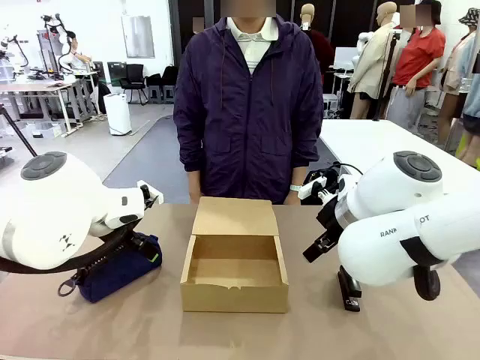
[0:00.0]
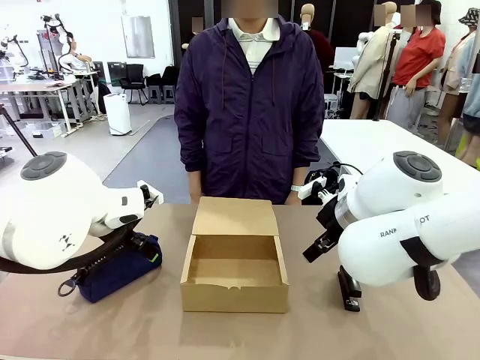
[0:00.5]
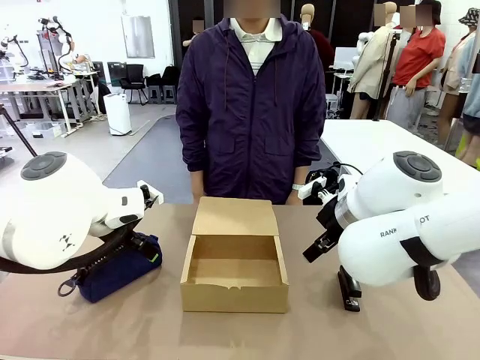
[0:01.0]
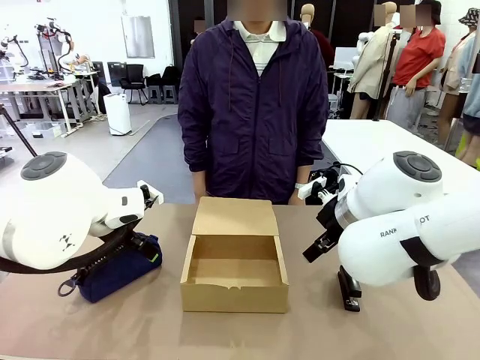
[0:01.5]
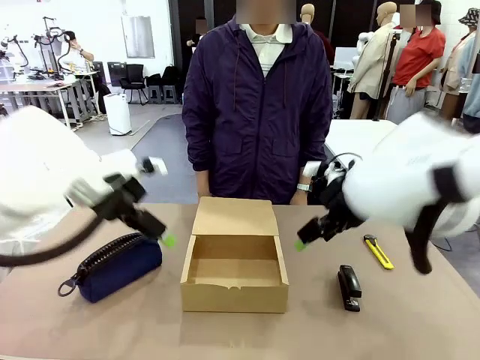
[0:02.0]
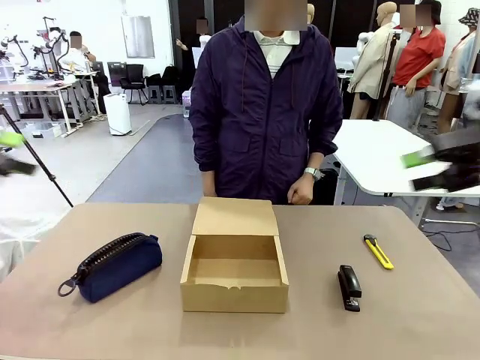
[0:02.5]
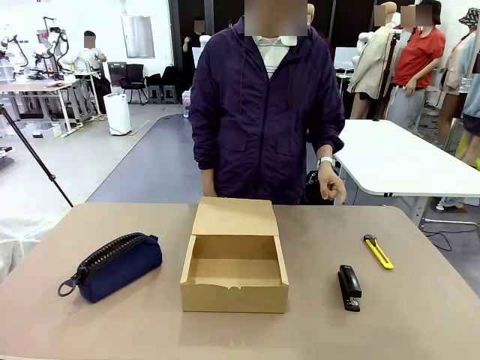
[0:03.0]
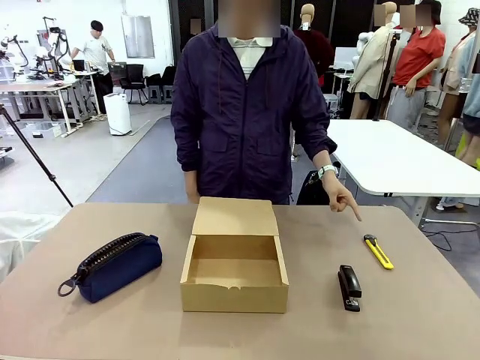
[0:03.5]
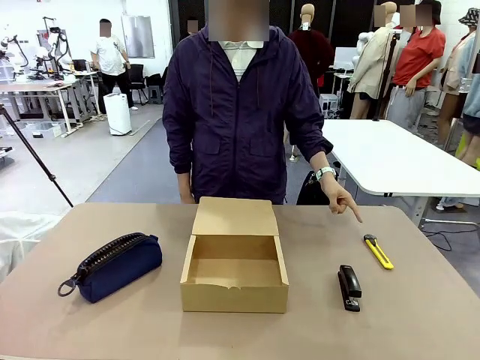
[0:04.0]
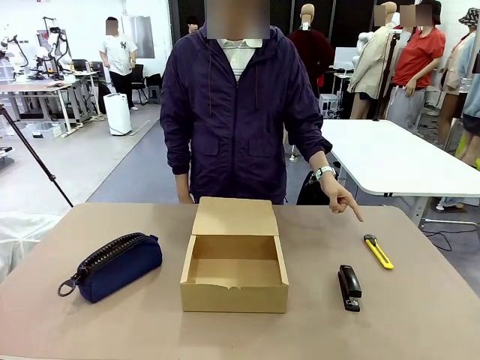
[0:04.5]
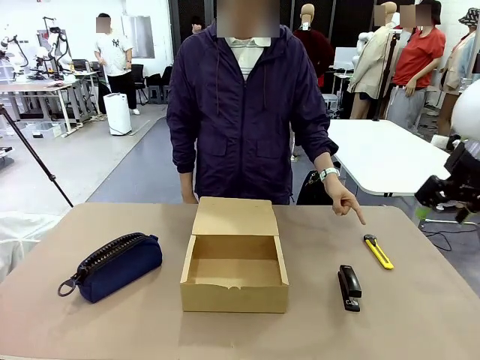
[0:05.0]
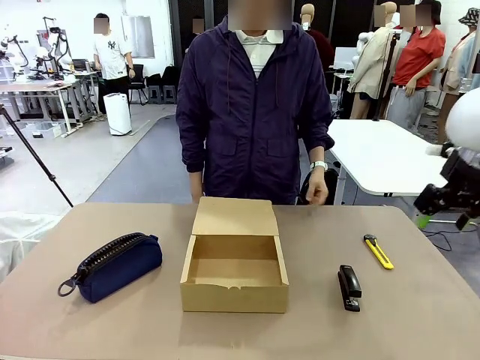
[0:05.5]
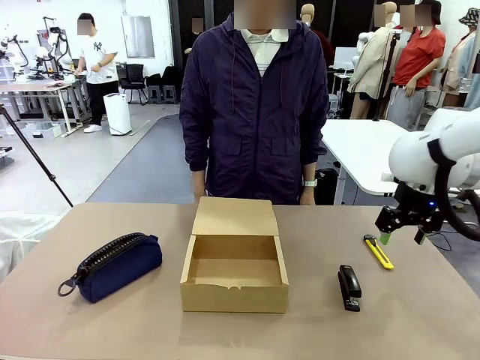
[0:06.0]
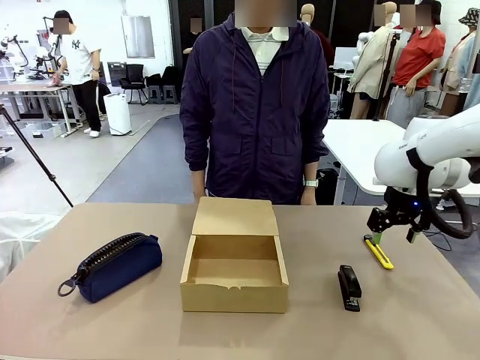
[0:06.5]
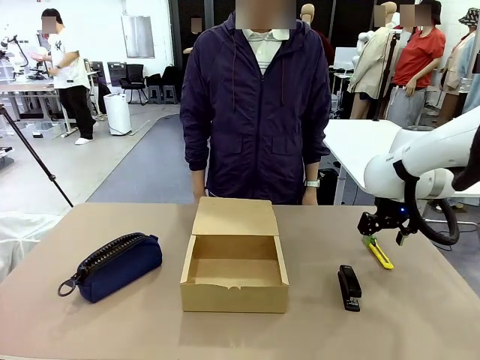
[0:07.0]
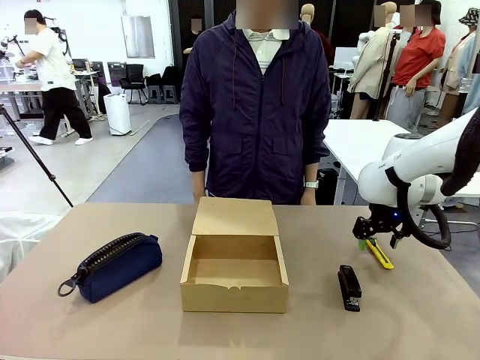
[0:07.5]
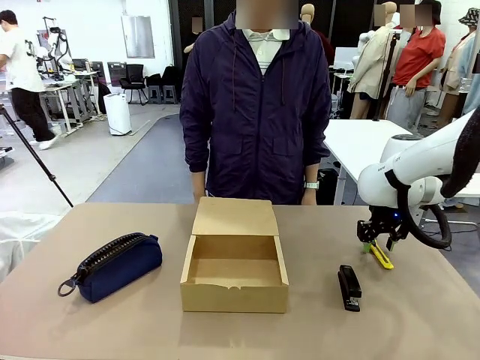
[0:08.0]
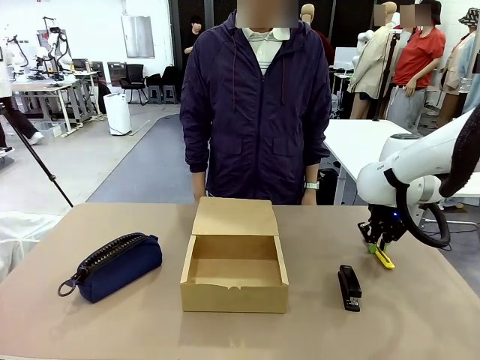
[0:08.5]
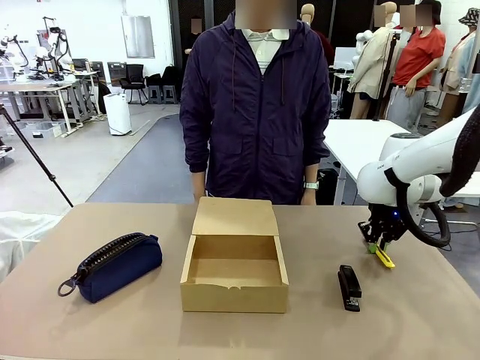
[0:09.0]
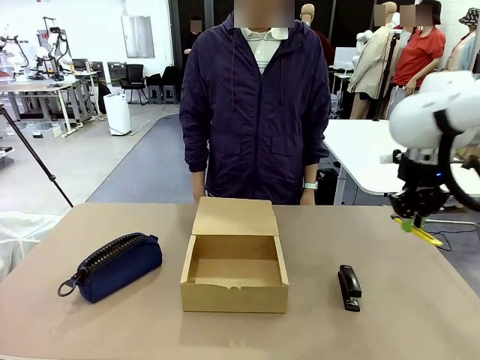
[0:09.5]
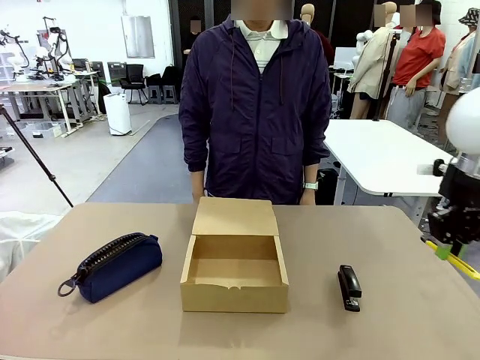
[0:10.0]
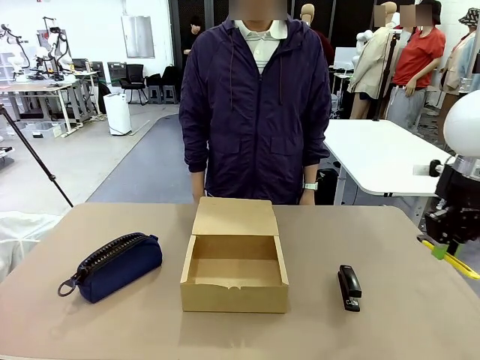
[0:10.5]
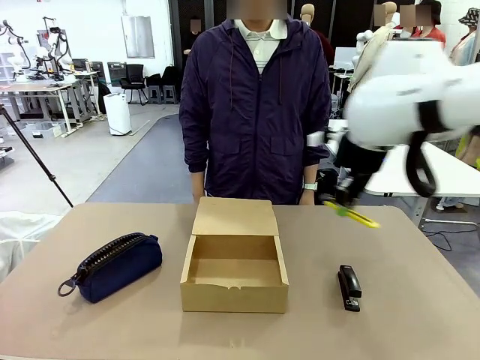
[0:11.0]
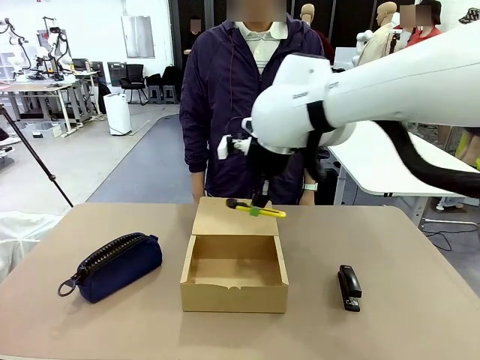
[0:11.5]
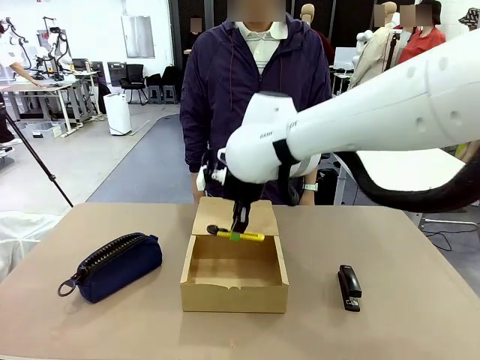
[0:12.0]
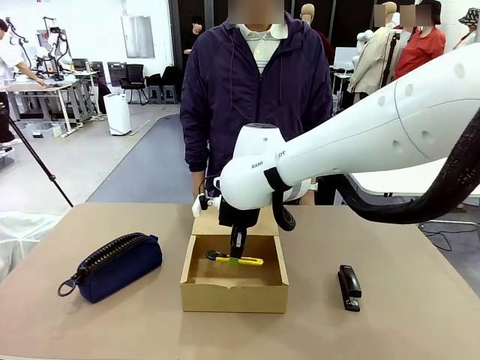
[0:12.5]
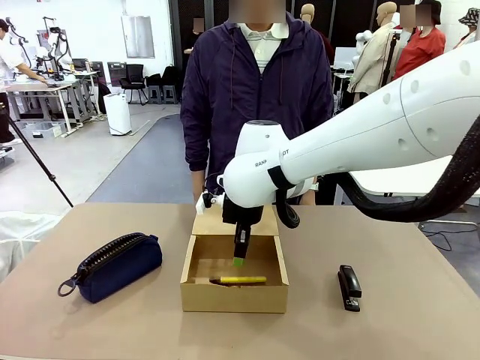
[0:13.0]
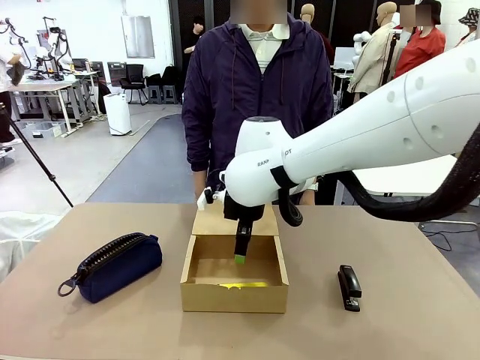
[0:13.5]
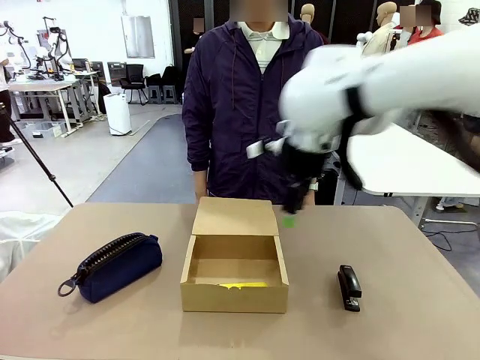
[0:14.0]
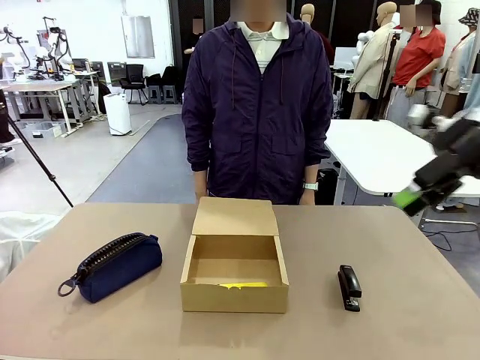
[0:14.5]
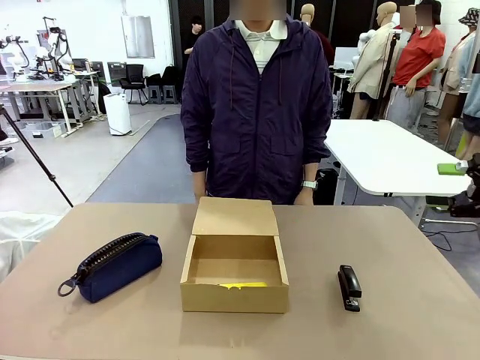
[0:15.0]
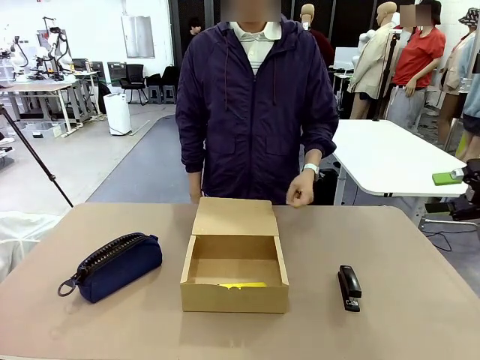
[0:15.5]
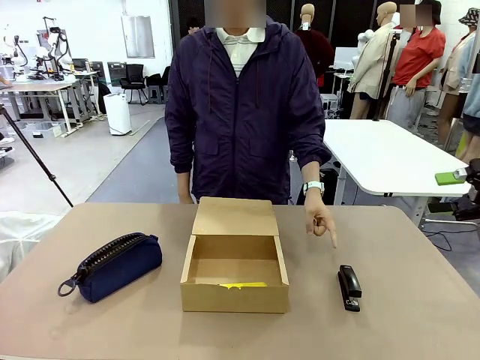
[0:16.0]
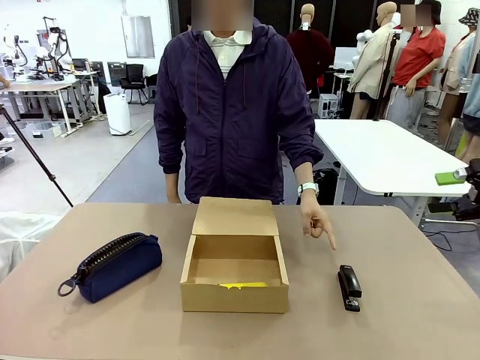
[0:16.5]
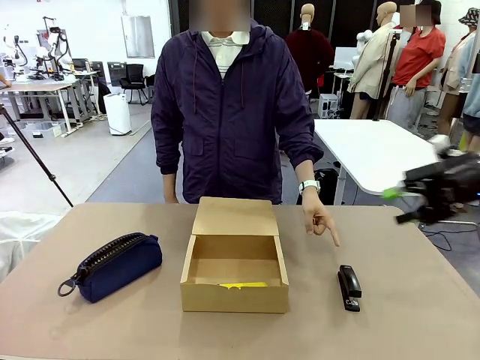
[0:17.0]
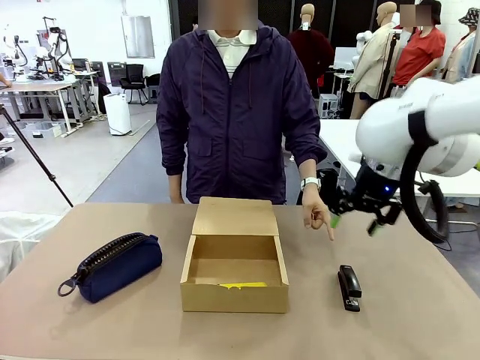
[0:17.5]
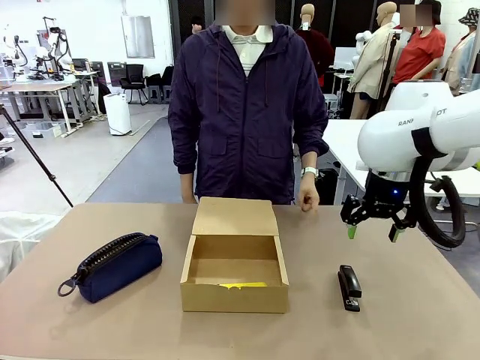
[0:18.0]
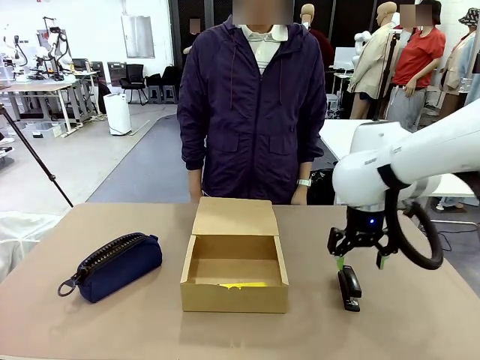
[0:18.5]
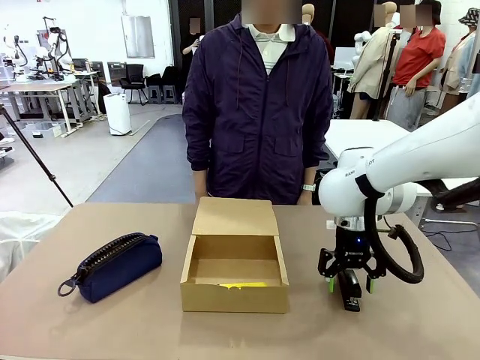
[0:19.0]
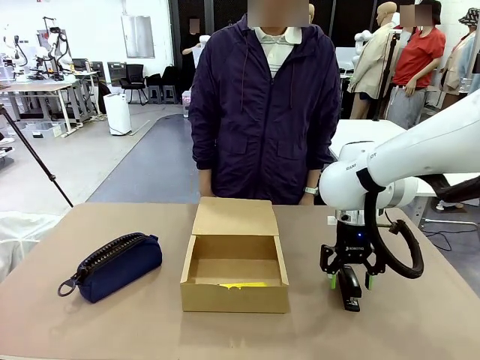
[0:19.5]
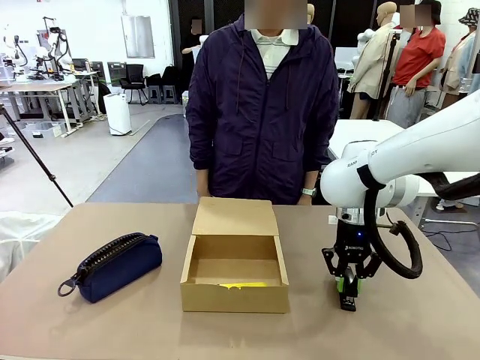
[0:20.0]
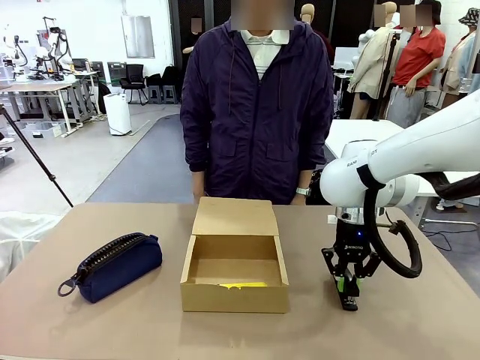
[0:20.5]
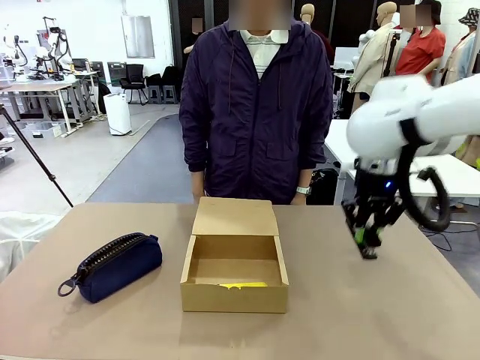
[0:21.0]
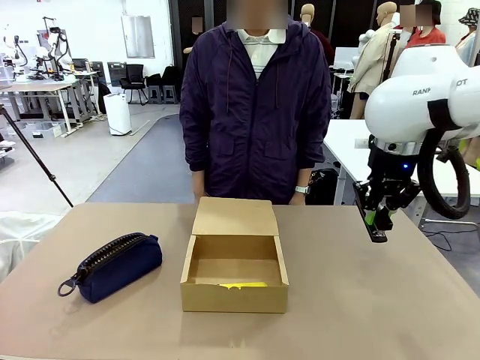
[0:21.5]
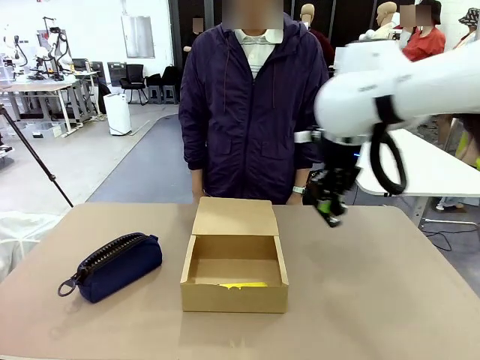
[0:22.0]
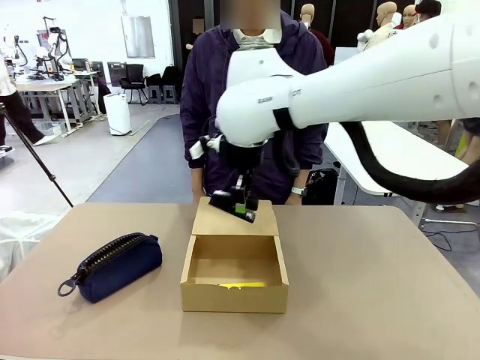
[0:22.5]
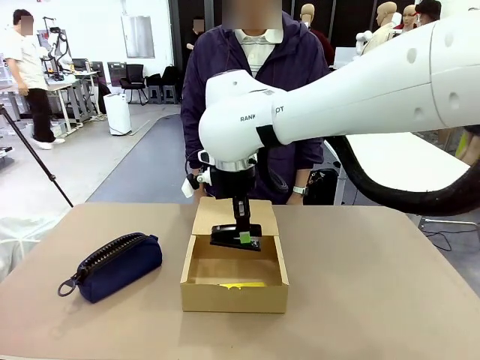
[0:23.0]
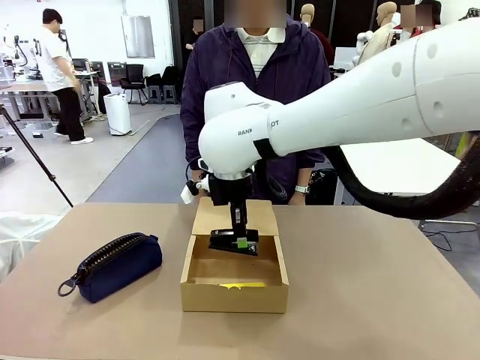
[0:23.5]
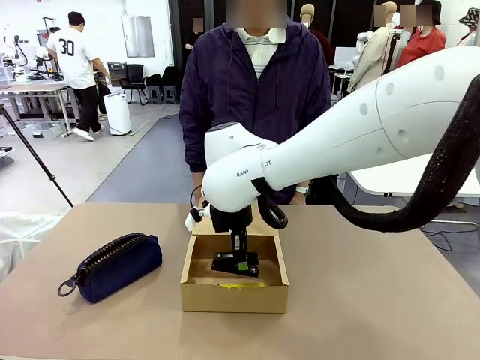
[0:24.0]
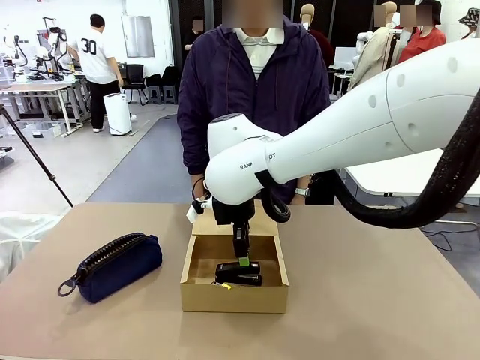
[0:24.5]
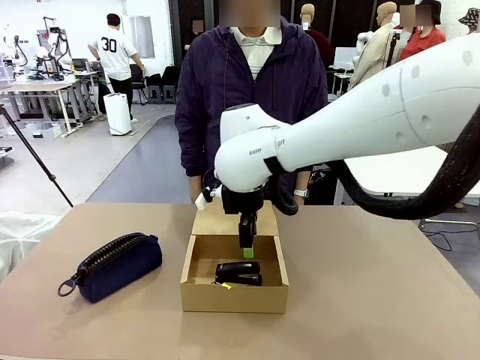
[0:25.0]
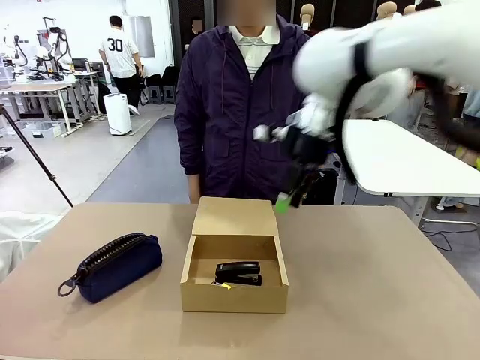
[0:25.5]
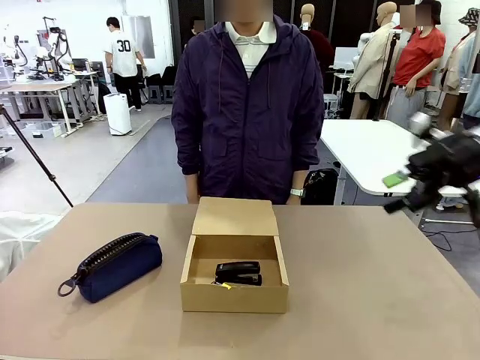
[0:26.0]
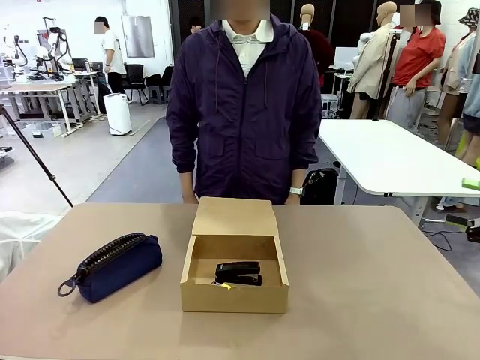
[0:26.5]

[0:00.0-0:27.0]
Task: Pack the items into the box.
Robot: Pick up the item specified by the human and place it in the Mailer Box.
Person: Point at one item on the table (excluding the box). Lower both hands vertically with palms facing downward, as if pressing something closed.
